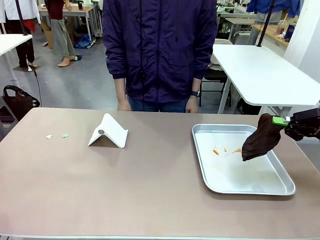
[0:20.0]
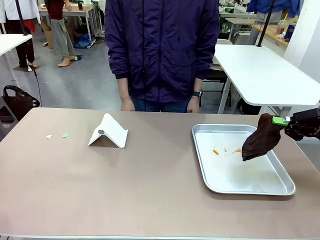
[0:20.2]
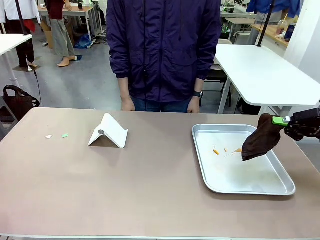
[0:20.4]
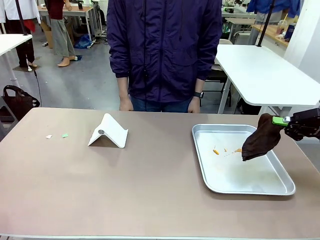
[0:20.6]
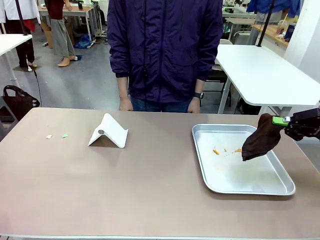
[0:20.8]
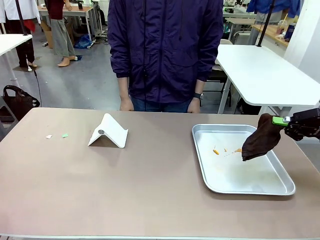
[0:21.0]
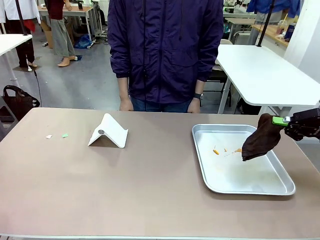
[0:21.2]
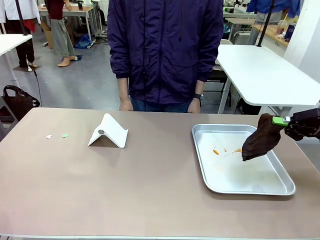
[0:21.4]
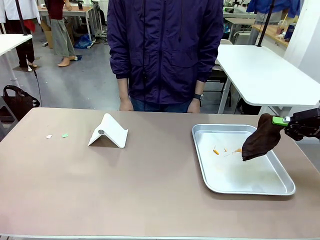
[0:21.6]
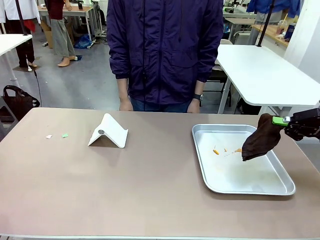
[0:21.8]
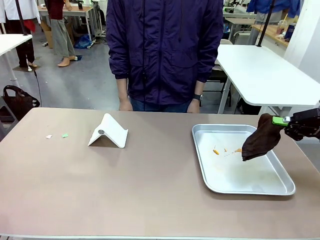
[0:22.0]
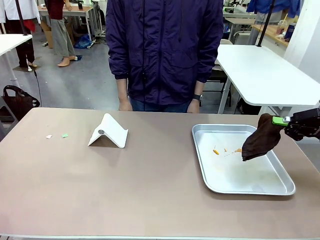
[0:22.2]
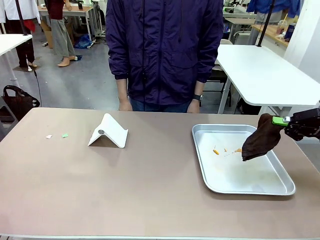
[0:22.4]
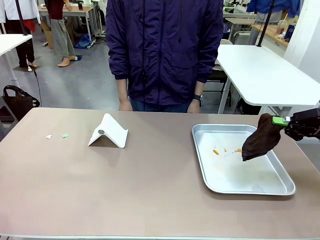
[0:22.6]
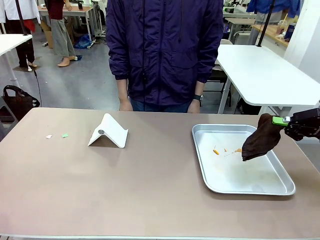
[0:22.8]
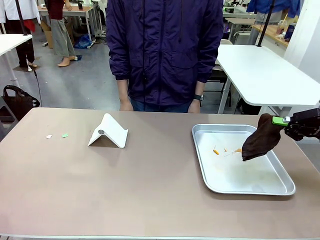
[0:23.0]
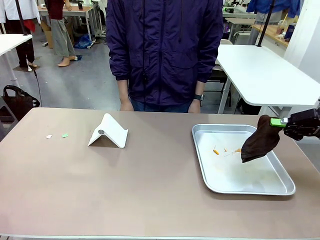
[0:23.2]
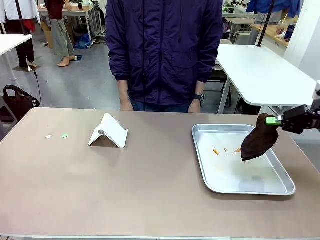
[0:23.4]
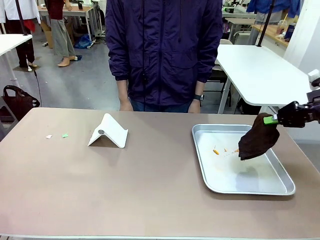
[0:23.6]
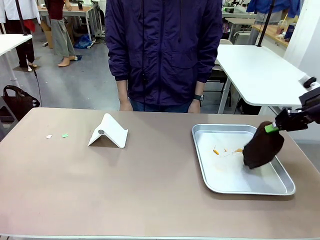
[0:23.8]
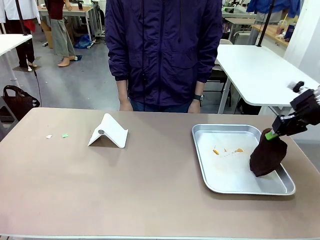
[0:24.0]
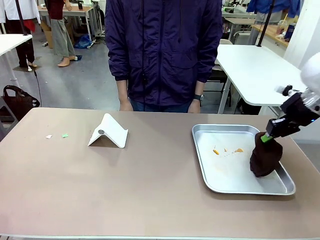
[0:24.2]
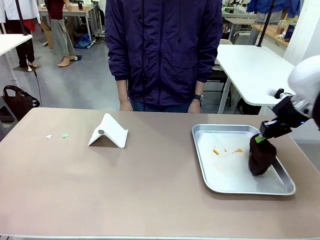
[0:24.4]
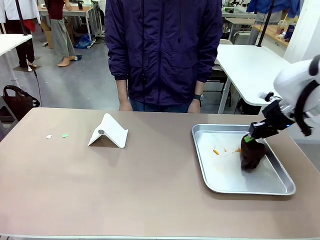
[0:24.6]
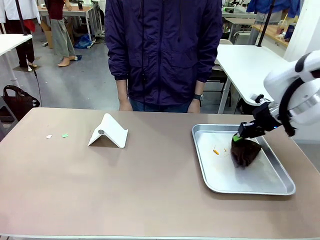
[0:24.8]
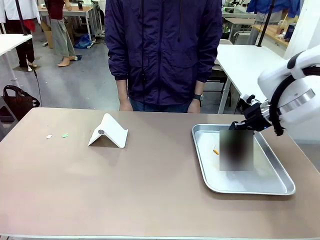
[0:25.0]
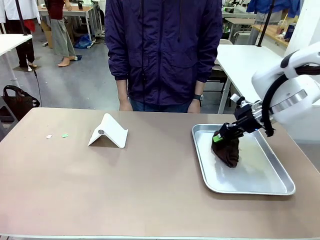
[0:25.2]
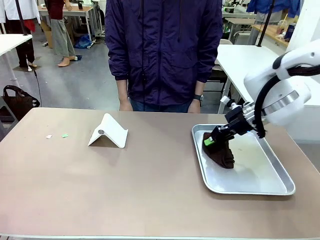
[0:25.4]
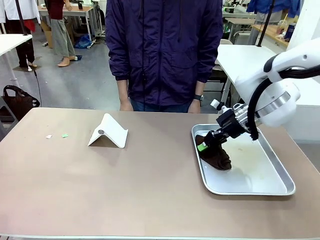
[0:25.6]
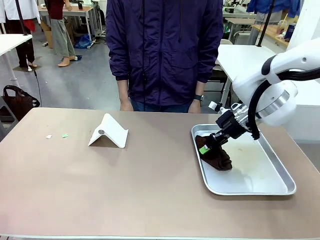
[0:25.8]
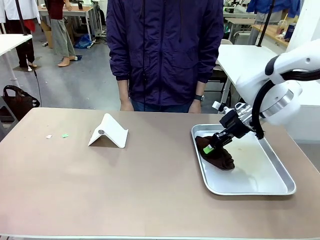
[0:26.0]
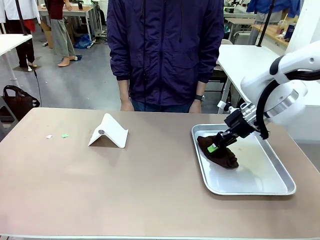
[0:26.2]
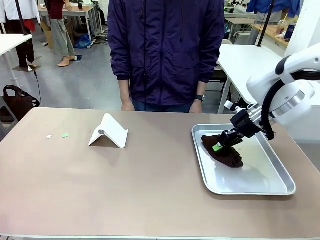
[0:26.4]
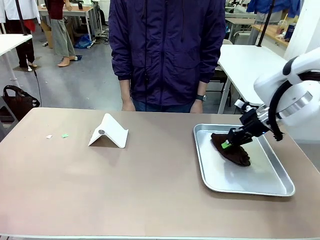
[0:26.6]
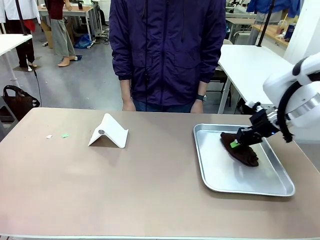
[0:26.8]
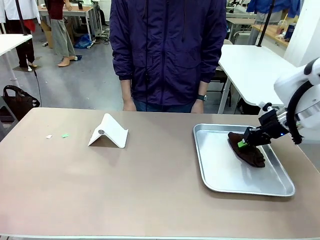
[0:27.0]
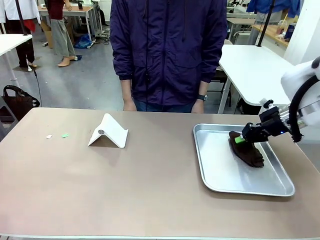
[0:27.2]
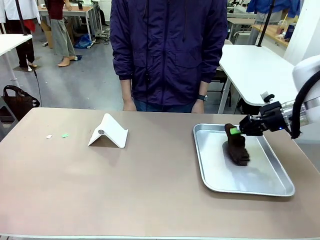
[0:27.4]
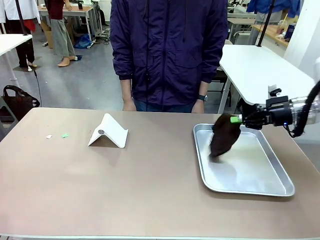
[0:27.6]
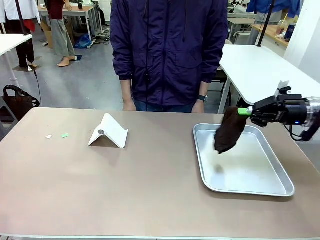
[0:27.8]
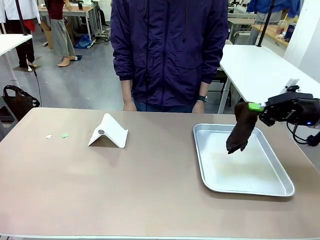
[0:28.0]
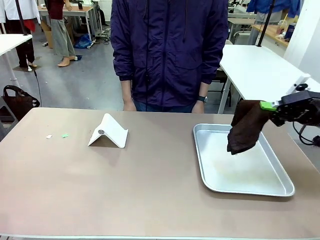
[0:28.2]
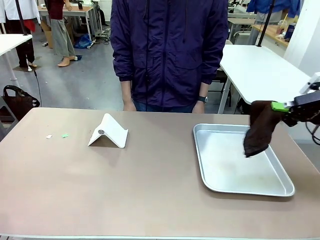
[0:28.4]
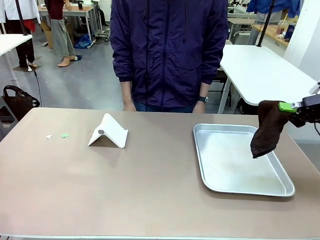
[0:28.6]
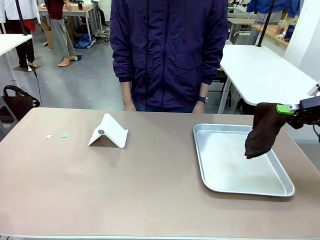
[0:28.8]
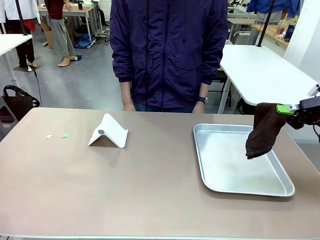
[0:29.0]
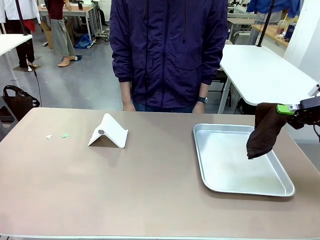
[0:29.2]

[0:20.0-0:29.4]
Task: Clean the surface of the table.
Robot: Clean the area not pointed to by the person.

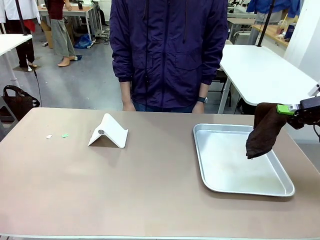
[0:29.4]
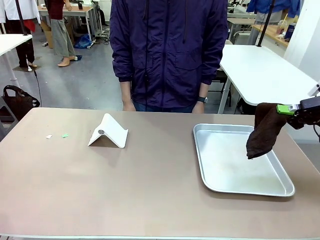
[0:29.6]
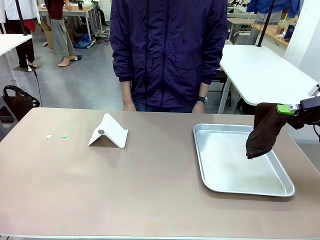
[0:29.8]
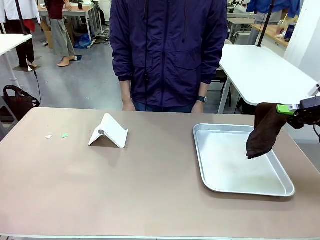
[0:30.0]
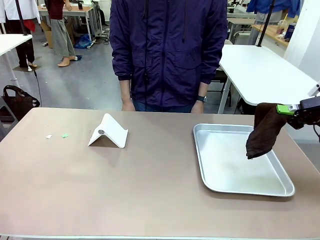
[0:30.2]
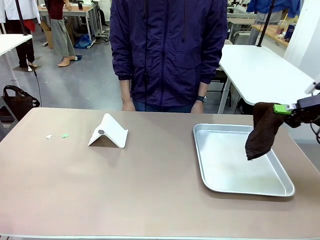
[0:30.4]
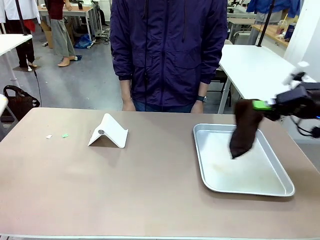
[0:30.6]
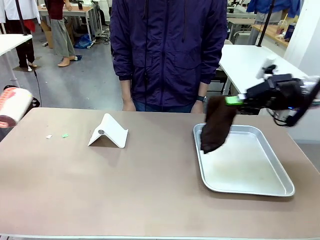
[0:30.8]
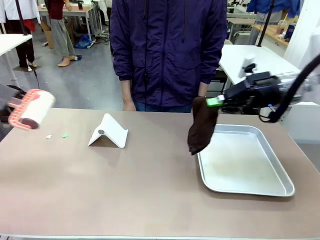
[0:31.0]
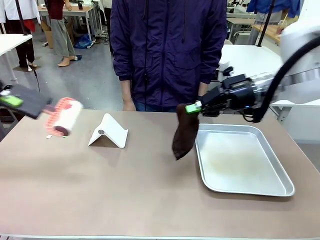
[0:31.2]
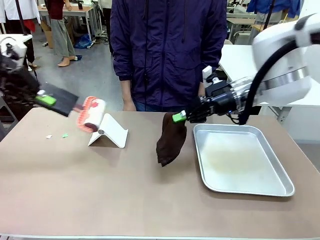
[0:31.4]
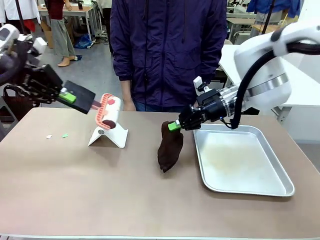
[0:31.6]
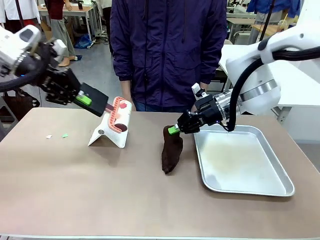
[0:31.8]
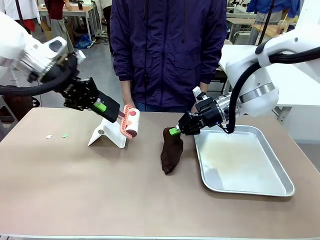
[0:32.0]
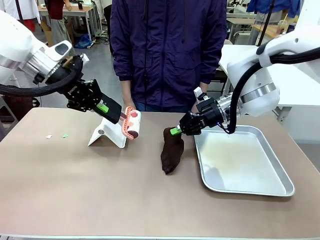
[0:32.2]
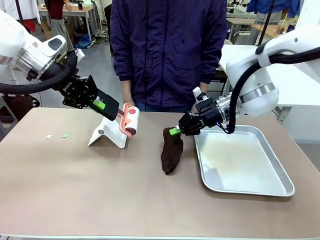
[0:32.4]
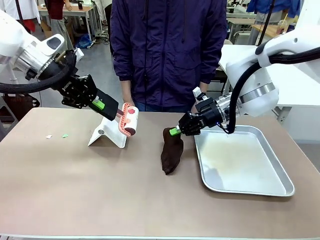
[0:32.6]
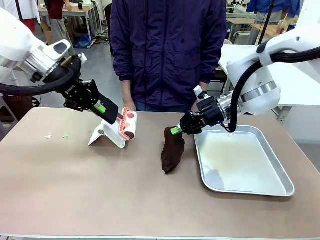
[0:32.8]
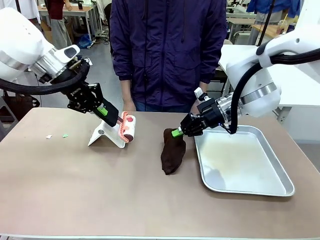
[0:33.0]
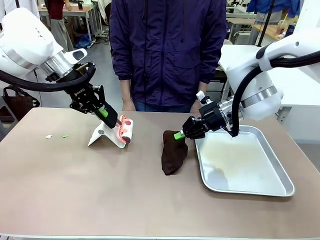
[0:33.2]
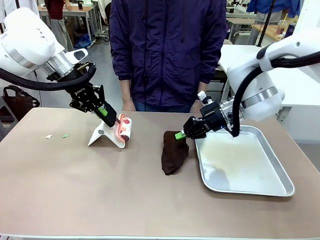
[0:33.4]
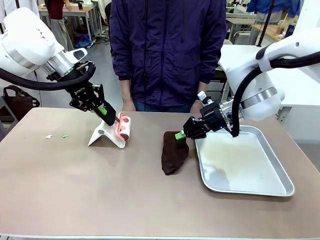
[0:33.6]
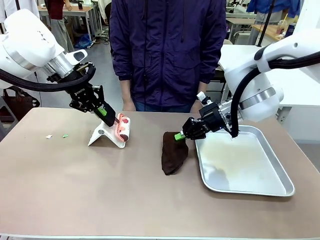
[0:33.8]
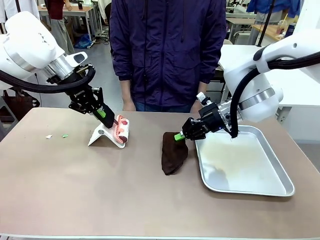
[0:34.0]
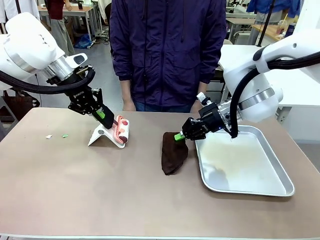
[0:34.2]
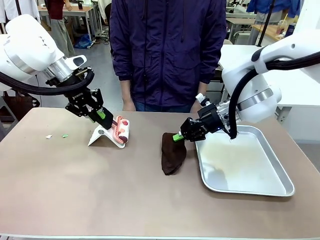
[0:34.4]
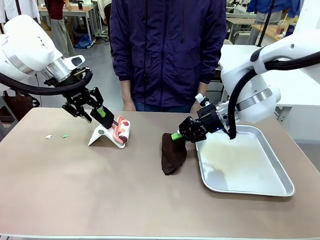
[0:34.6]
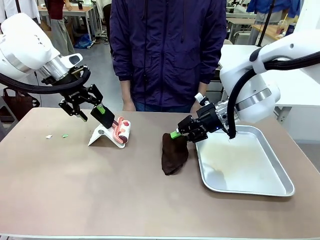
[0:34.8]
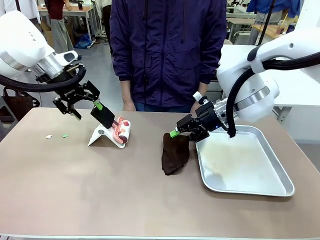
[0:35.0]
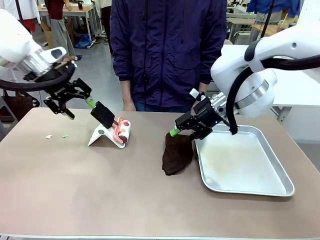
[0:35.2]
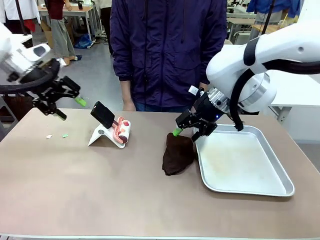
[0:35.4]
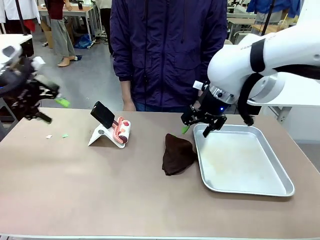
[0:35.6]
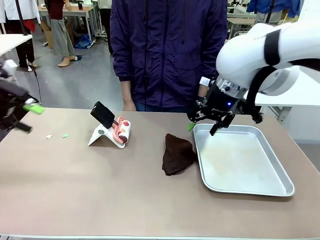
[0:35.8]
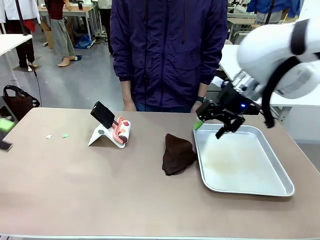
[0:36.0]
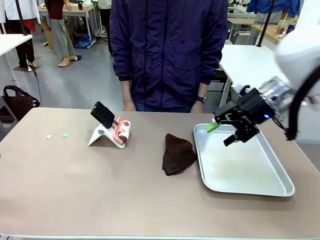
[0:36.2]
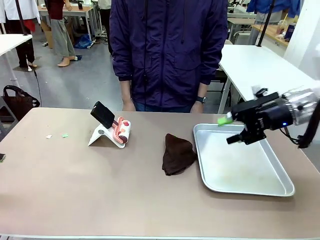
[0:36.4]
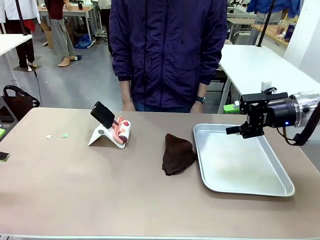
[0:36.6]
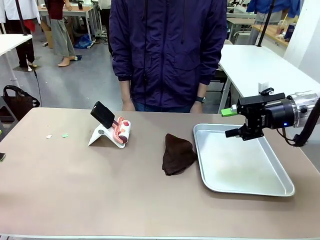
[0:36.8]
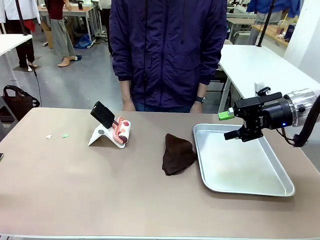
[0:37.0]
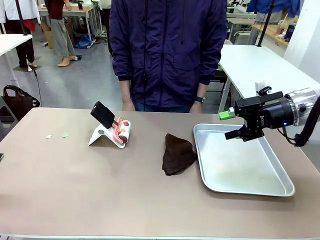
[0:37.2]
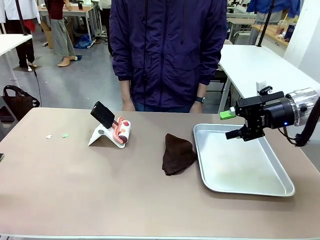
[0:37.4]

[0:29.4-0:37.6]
Robot: Return the Lint Roller and towel to their original positions.

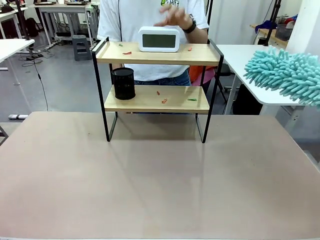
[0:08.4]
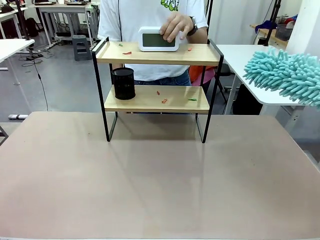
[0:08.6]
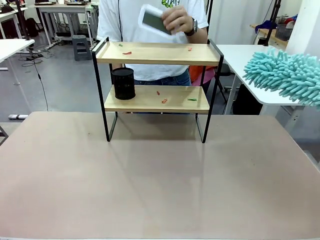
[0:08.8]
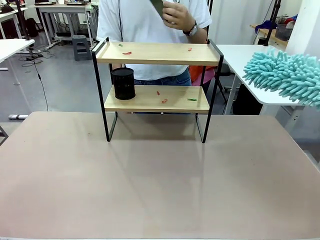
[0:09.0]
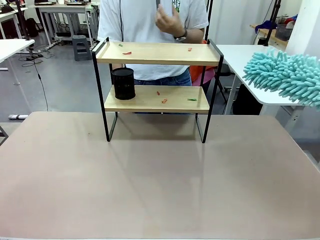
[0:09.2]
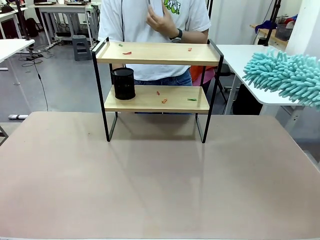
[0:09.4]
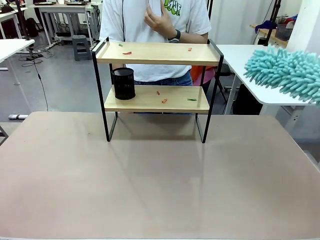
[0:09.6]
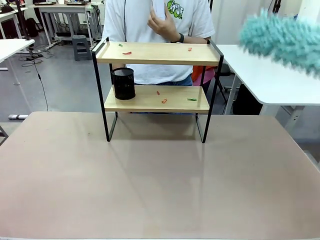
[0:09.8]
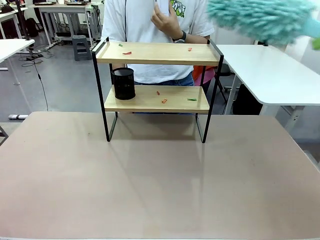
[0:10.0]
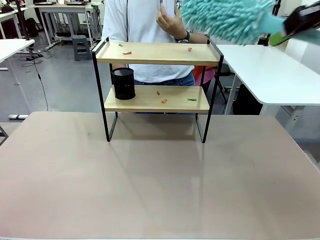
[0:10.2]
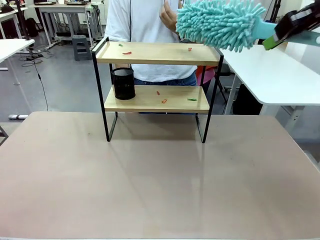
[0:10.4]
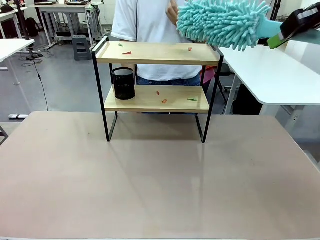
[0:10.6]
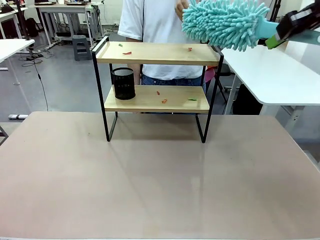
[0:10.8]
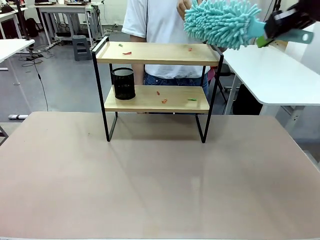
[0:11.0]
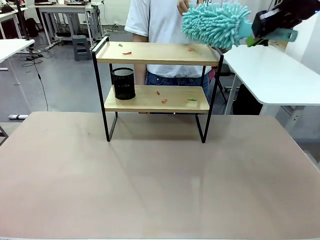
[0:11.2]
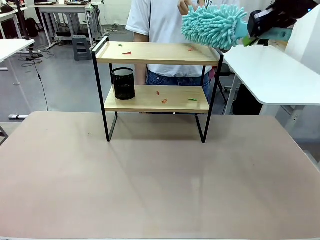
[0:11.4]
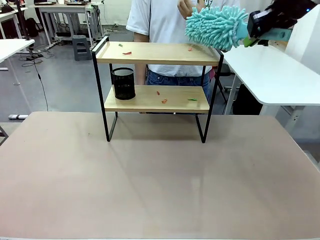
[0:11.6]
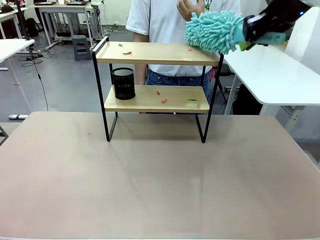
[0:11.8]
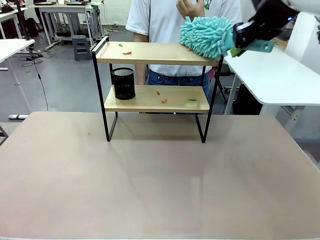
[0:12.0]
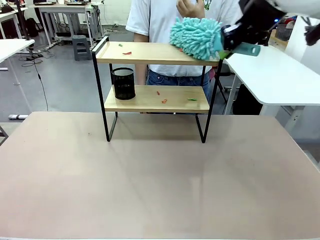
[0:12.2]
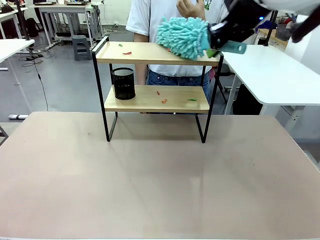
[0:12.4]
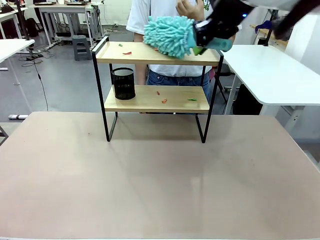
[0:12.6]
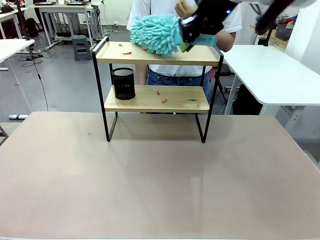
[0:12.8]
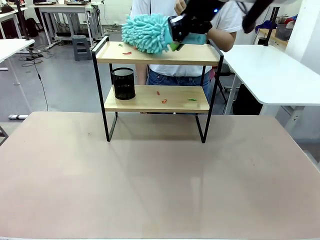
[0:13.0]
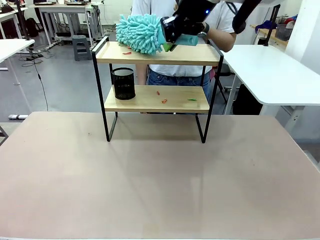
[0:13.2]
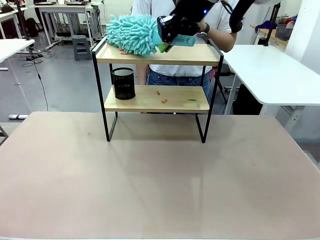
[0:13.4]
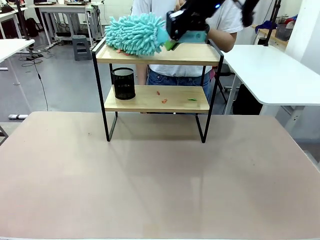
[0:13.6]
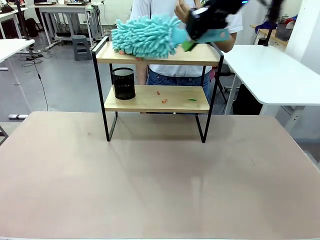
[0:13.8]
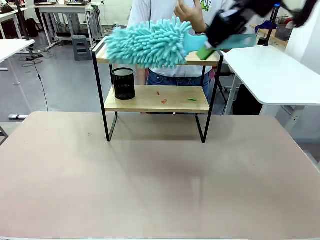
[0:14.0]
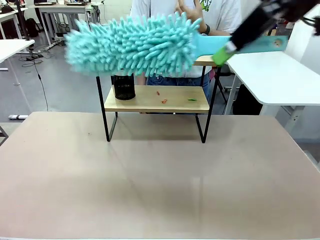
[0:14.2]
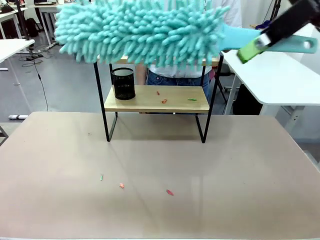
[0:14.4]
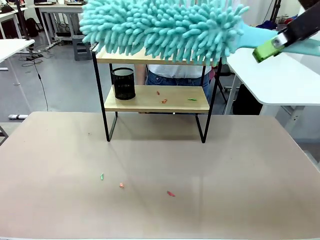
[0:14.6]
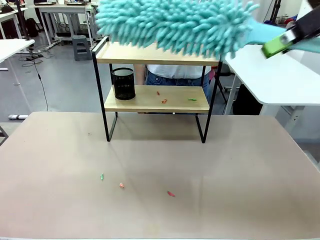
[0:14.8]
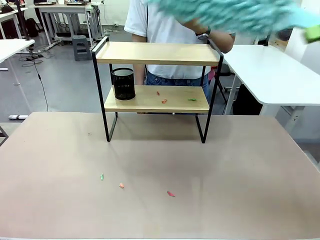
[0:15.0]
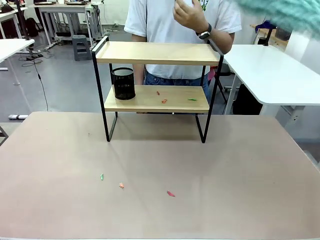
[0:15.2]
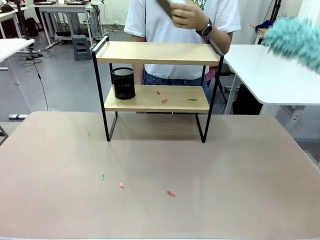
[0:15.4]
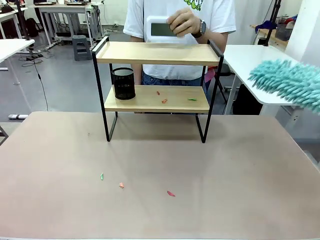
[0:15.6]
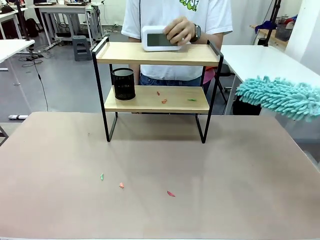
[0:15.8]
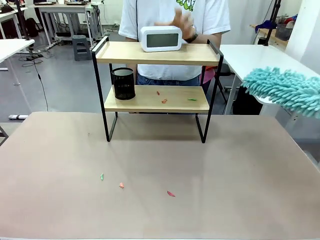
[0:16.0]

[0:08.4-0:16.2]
Task: Clean the shelf.
Robot: Clean the specific tier of the Shelf with the Duster once objects are removed.
Person: Lift the objects on a randomly selected tier of the Shelf. Once the robot finishes cleaning, lift the objects on the remaining tiers of the Shelf.
